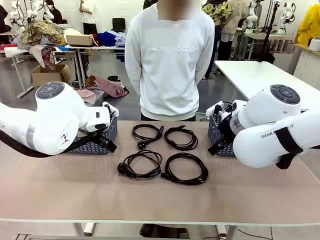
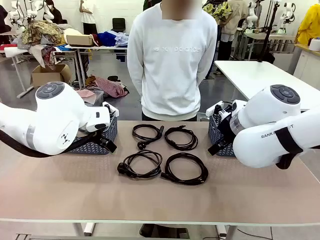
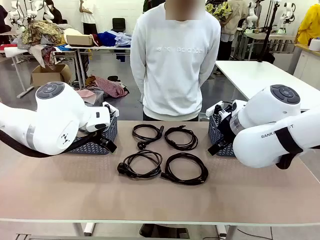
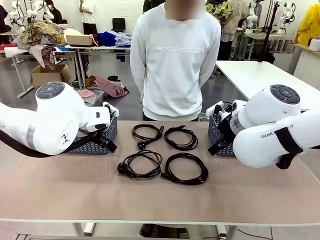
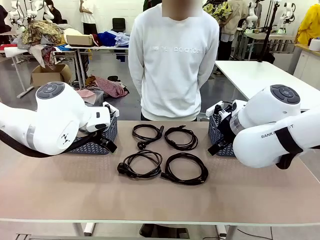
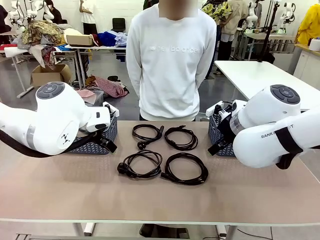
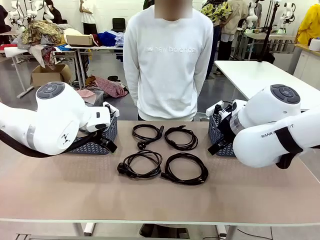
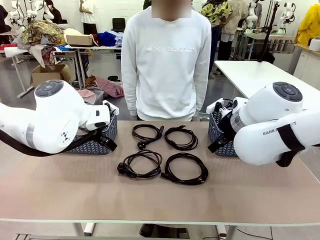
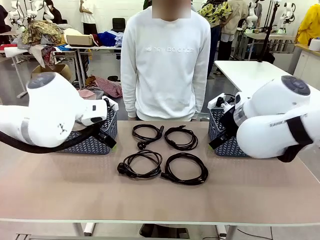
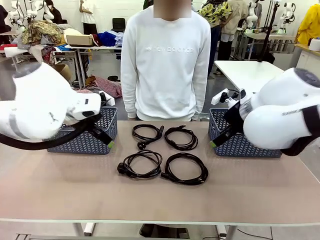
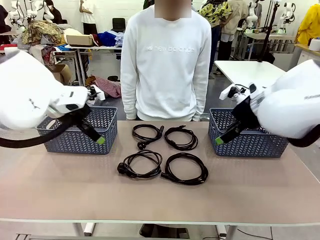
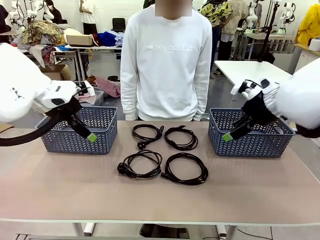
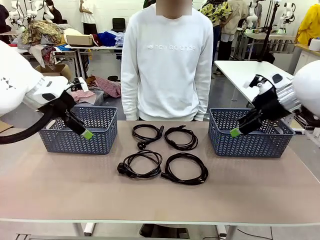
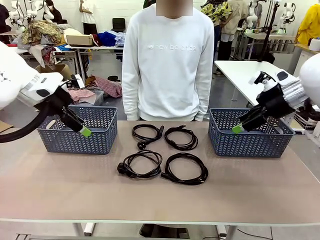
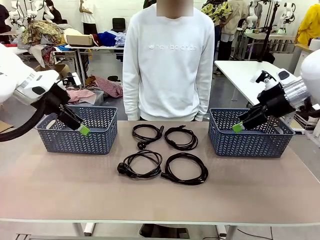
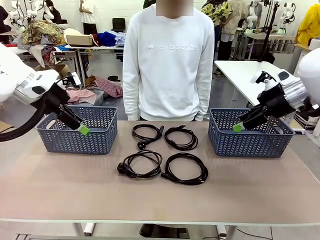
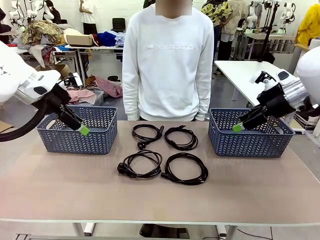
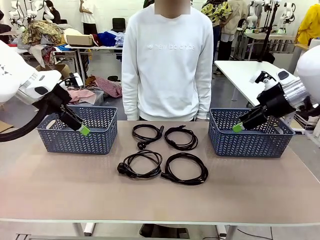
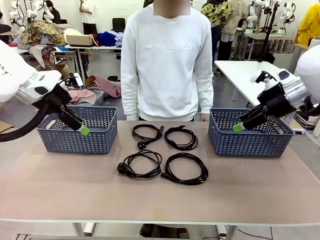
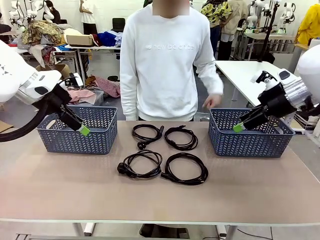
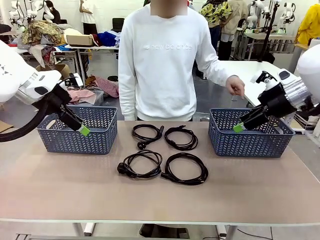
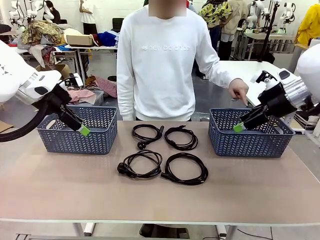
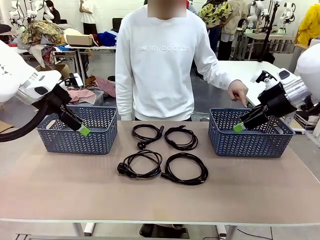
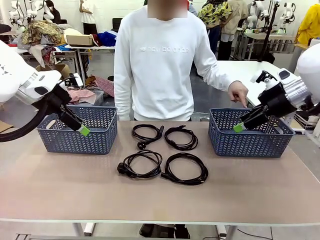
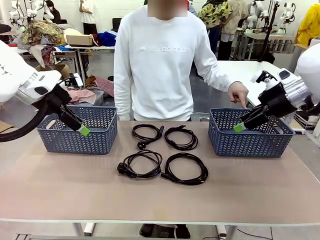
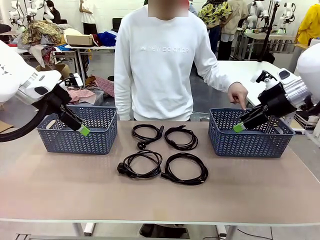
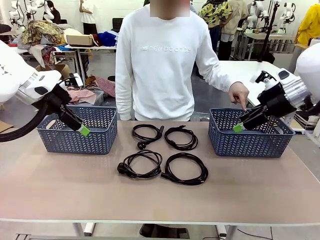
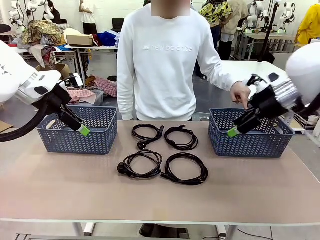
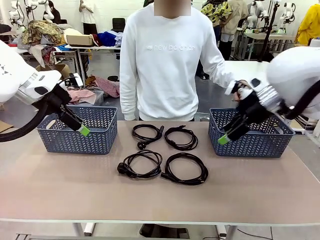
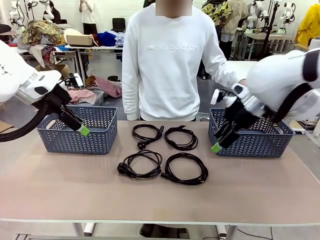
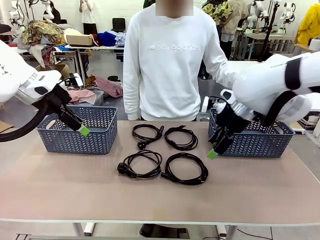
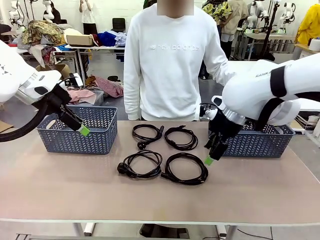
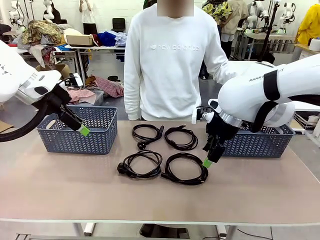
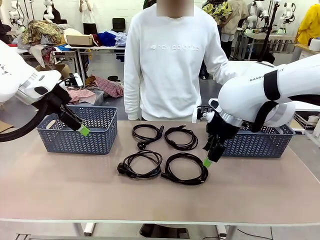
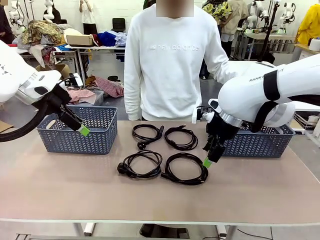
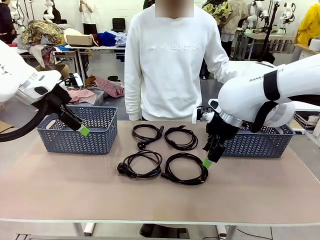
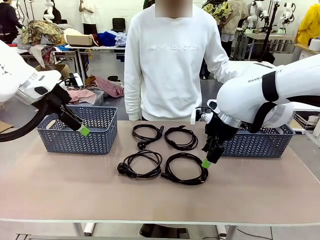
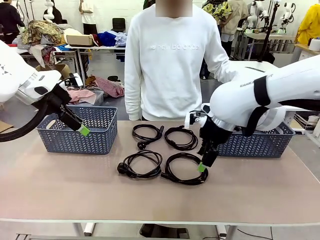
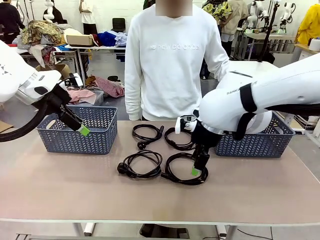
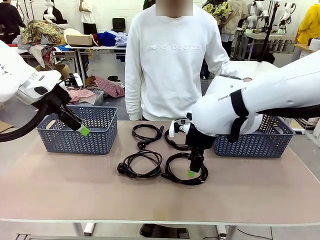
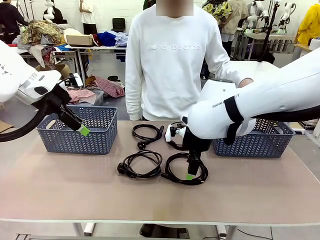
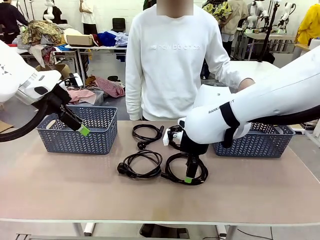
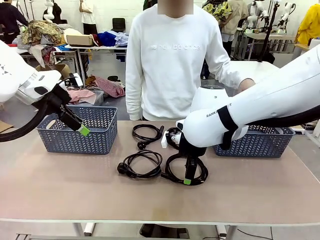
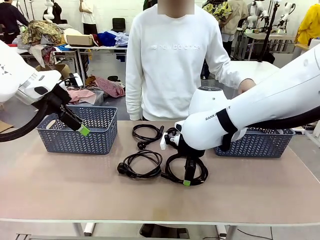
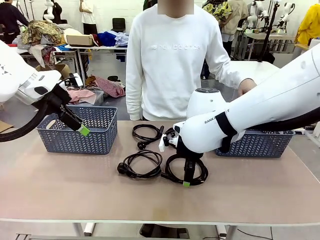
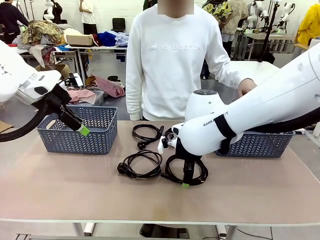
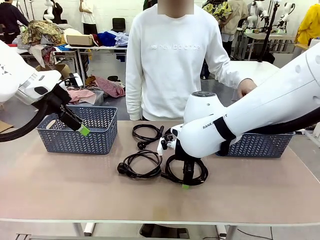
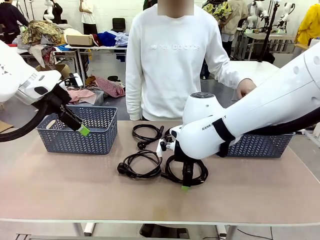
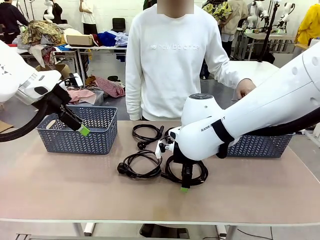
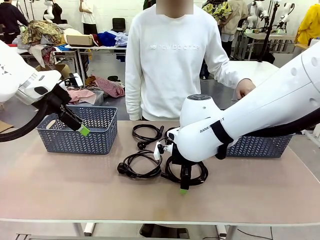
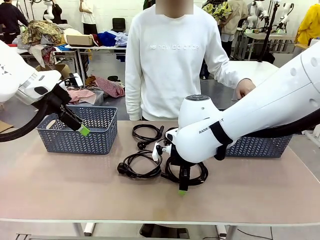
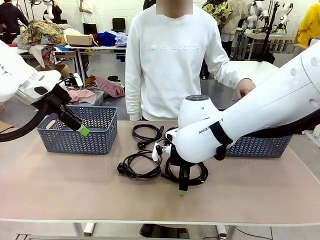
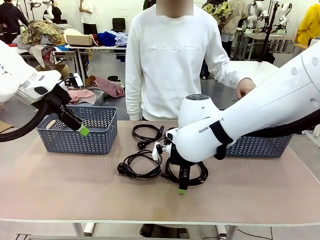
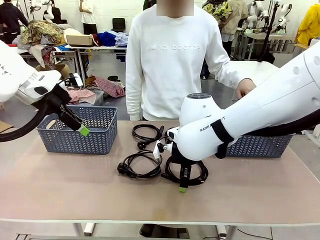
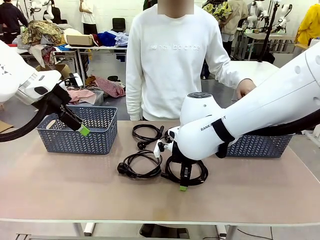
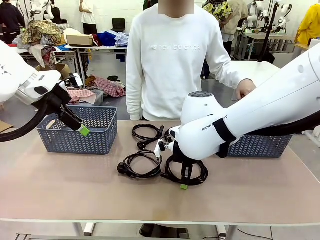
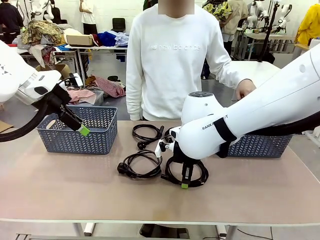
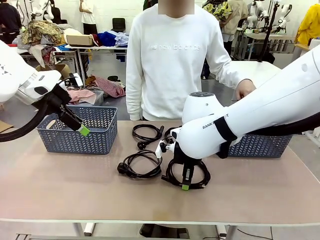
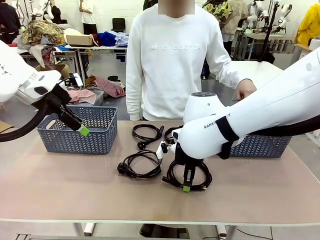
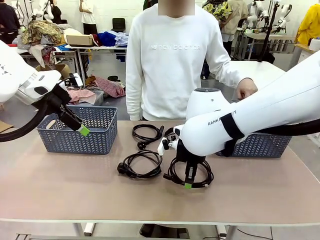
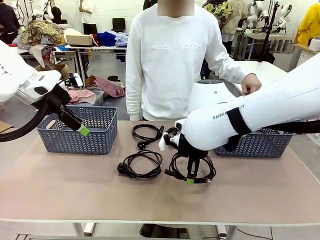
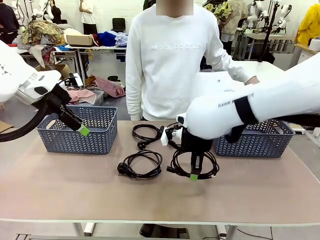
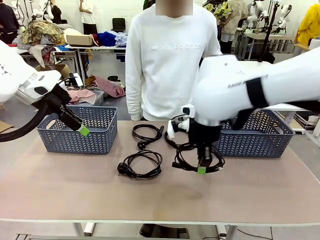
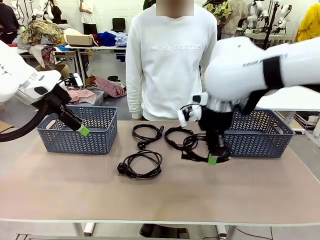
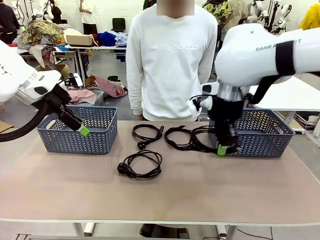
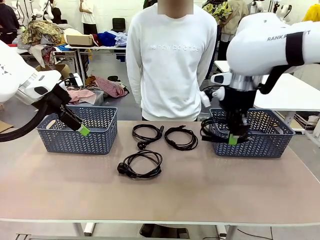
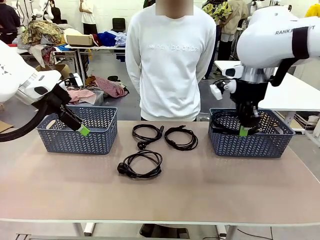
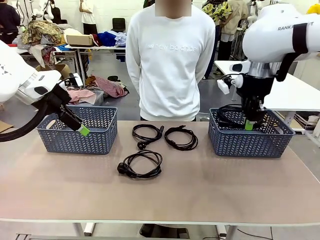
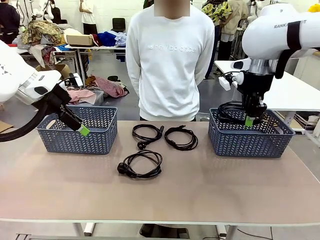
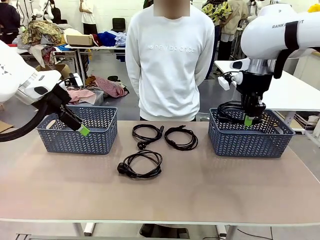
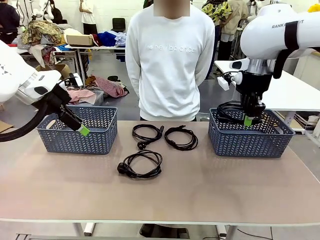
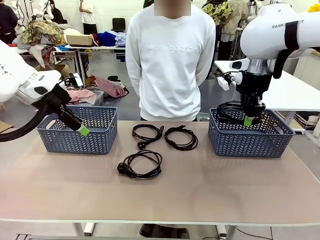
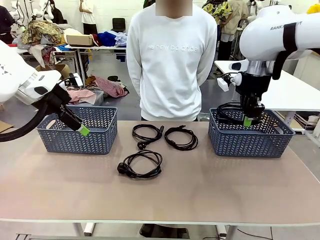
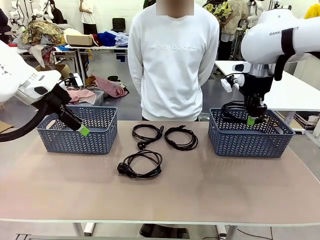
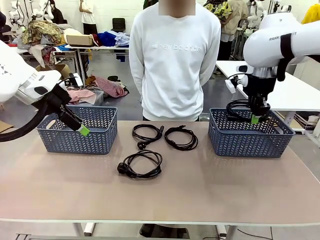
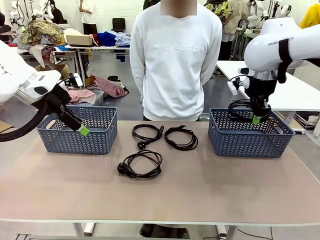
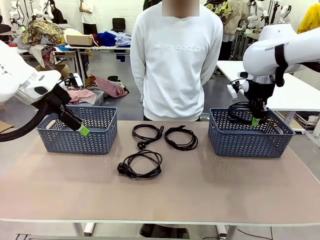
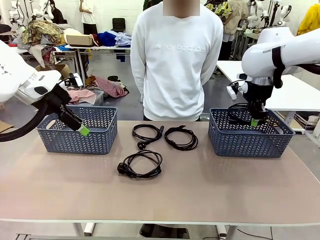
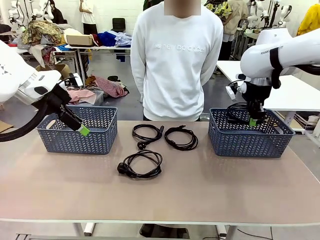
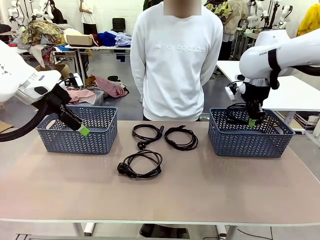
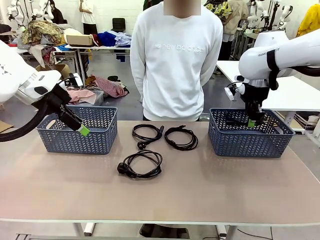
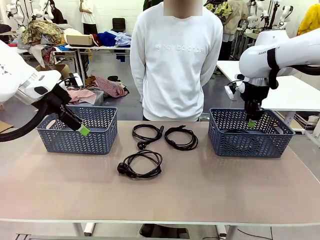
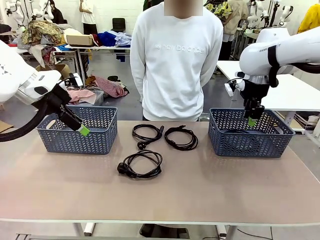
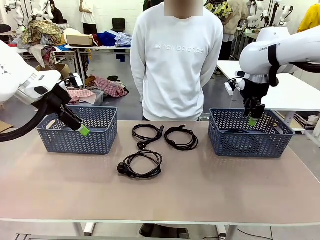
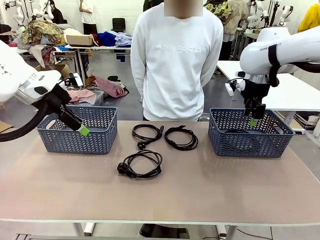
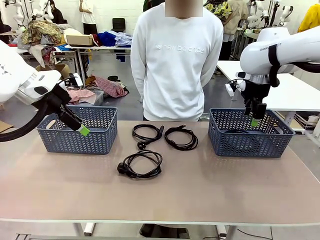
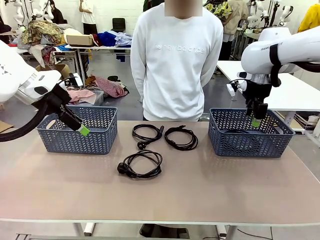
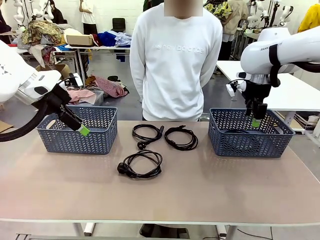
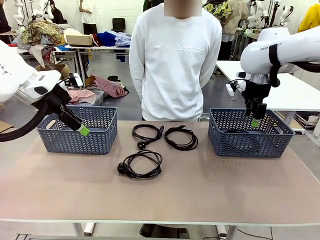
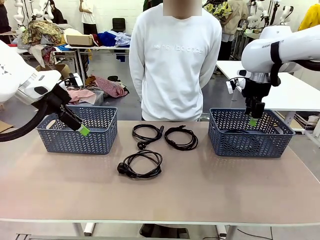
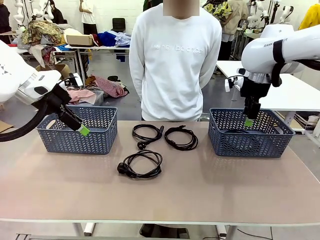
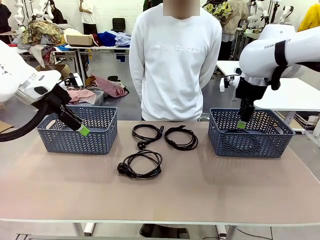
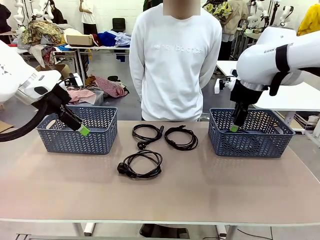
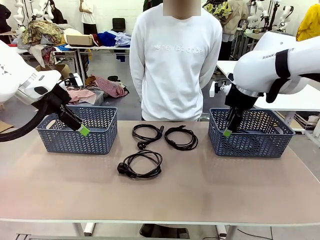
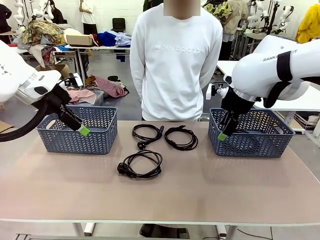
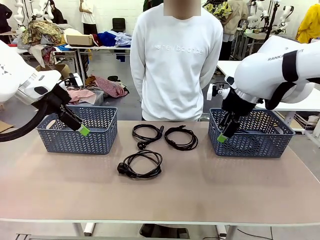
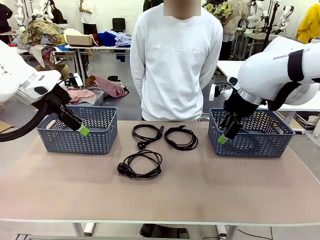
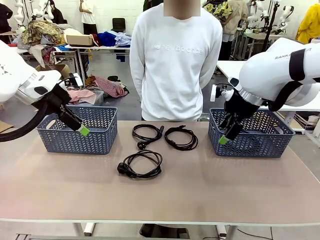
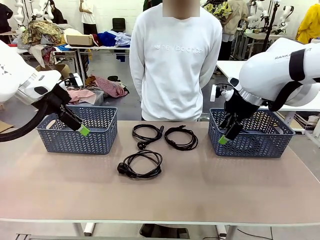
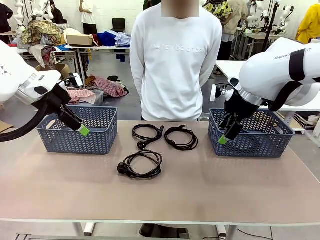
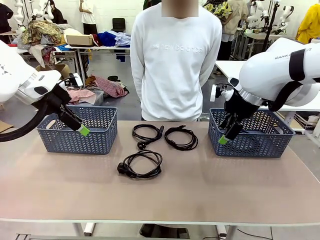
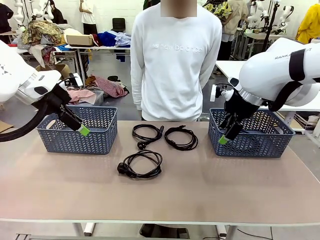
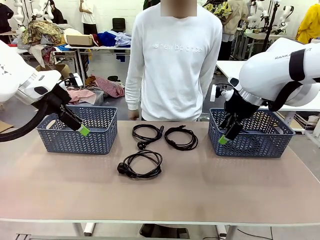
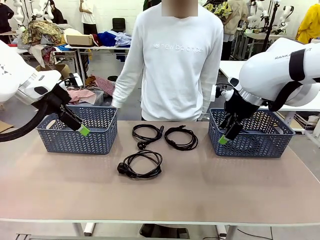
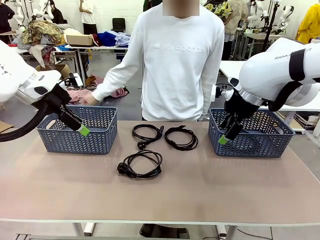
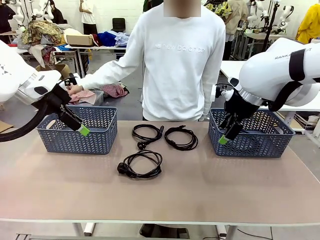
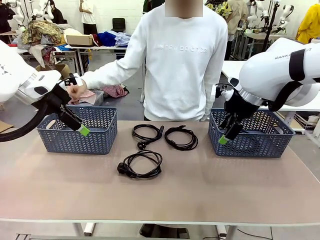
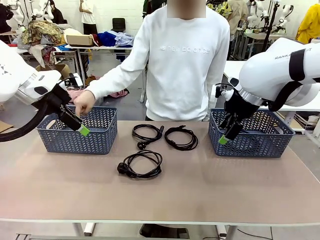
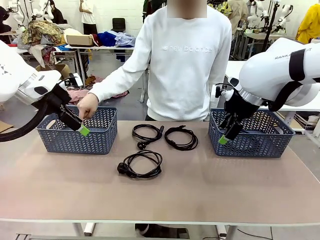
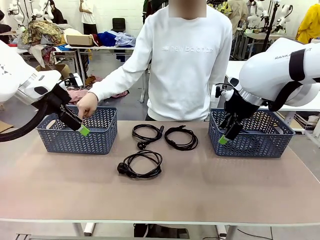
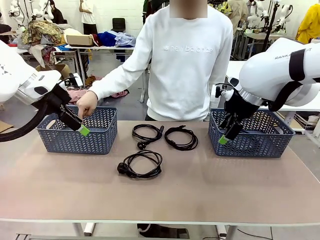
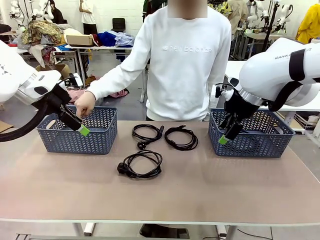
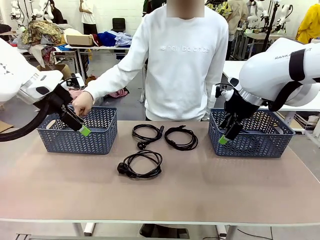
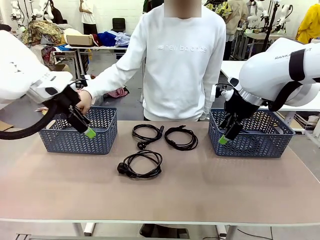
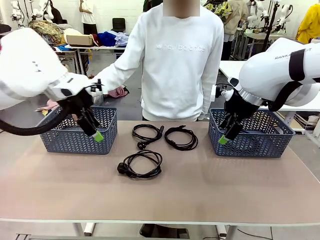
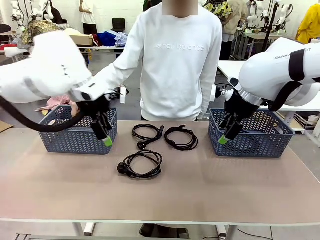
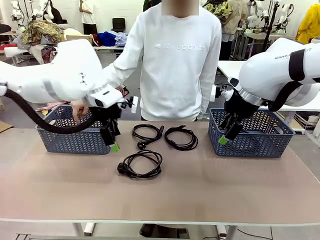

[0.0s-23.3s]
Task: Organize the cables according to human instructions.
Robot: Pick up a bundle of cables and place it in the basket indicated by the human.
